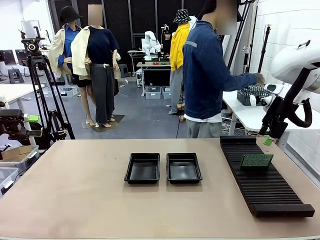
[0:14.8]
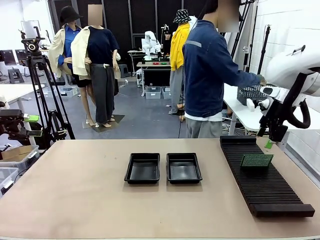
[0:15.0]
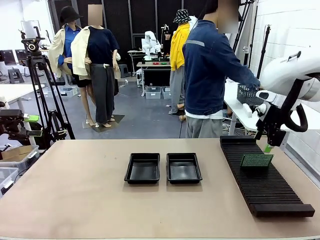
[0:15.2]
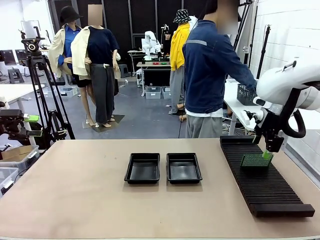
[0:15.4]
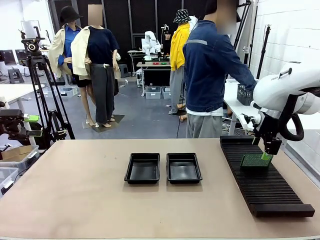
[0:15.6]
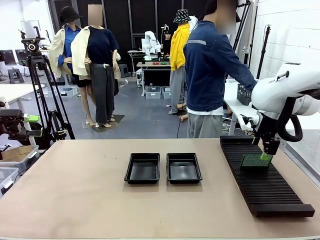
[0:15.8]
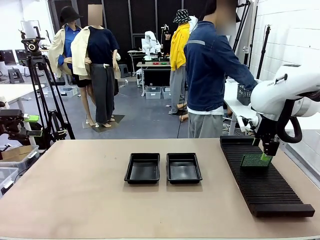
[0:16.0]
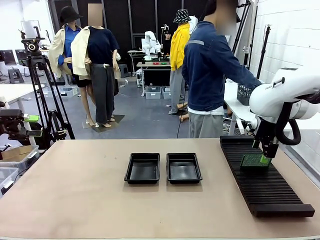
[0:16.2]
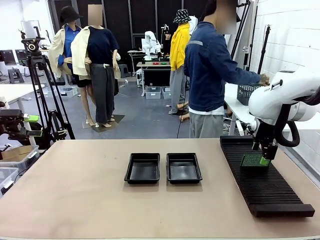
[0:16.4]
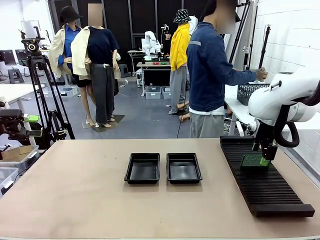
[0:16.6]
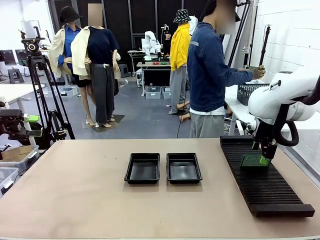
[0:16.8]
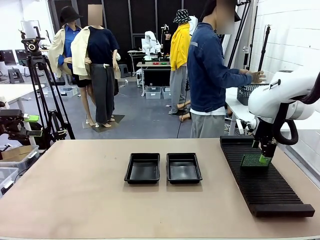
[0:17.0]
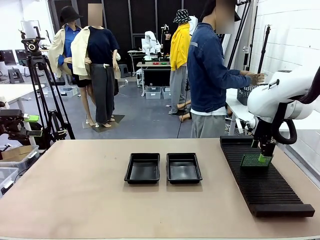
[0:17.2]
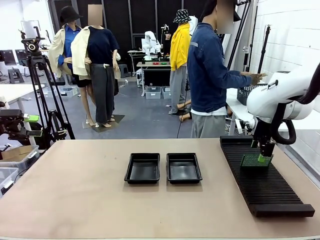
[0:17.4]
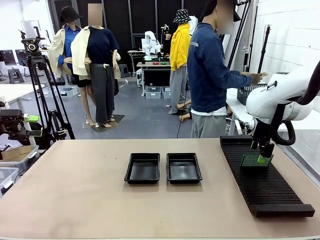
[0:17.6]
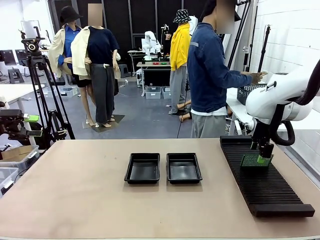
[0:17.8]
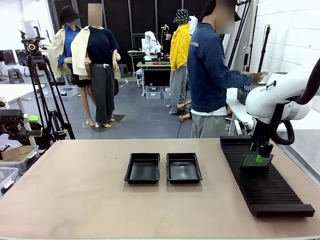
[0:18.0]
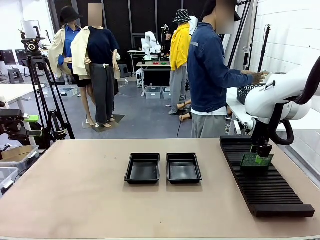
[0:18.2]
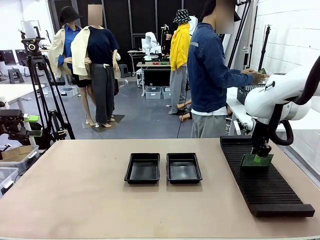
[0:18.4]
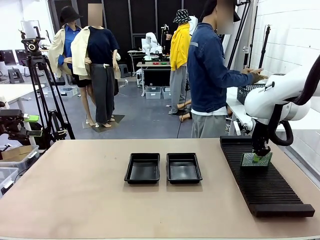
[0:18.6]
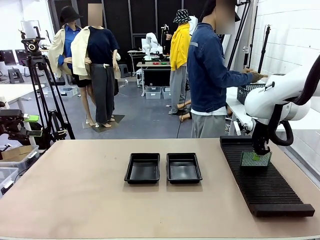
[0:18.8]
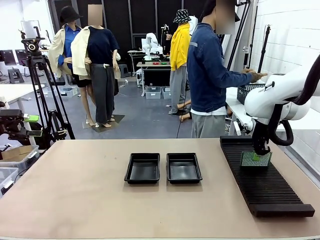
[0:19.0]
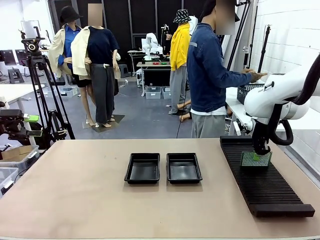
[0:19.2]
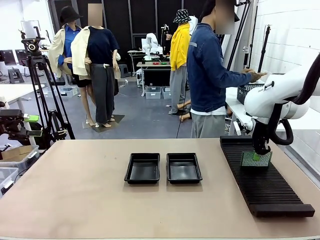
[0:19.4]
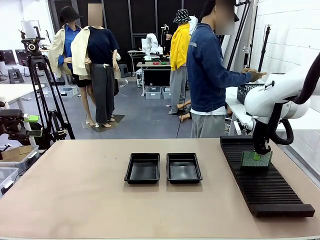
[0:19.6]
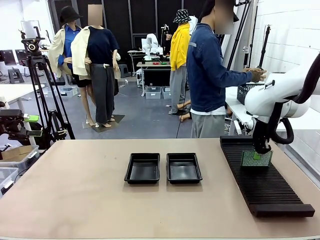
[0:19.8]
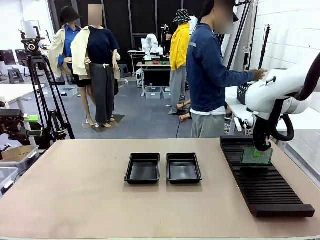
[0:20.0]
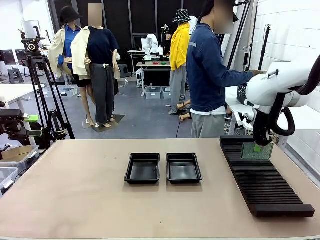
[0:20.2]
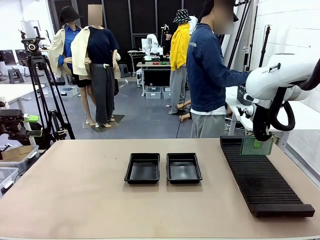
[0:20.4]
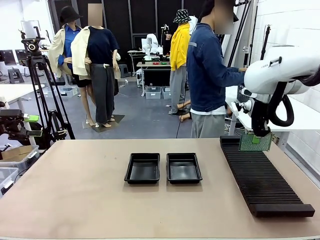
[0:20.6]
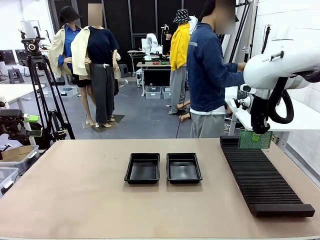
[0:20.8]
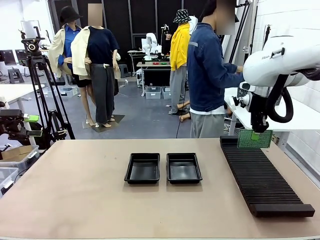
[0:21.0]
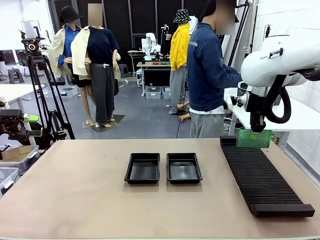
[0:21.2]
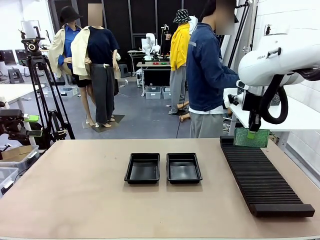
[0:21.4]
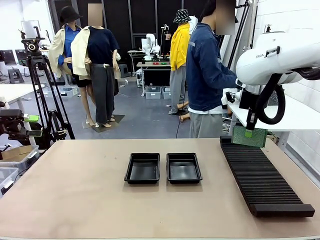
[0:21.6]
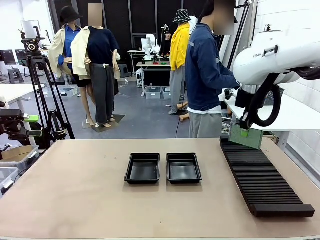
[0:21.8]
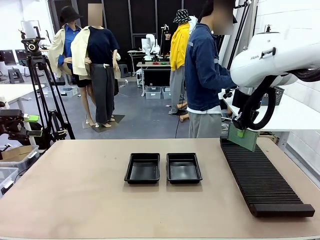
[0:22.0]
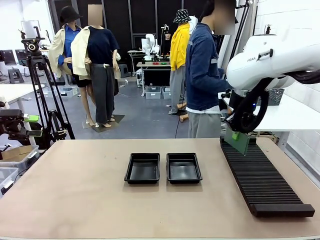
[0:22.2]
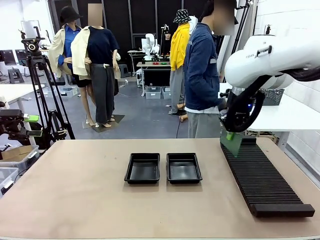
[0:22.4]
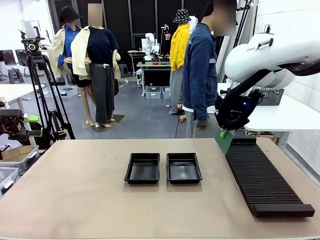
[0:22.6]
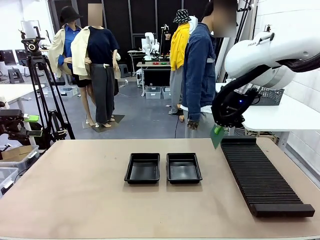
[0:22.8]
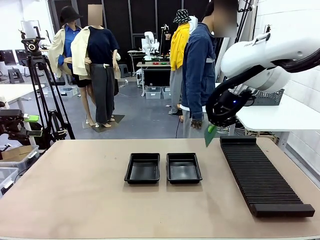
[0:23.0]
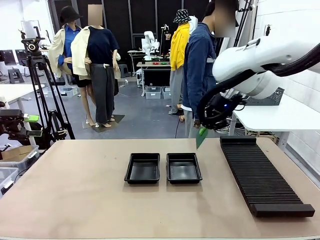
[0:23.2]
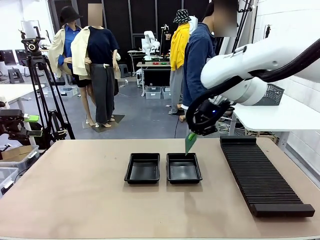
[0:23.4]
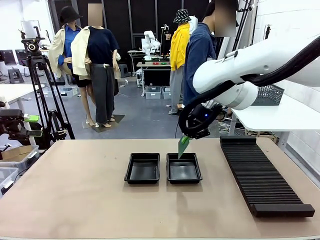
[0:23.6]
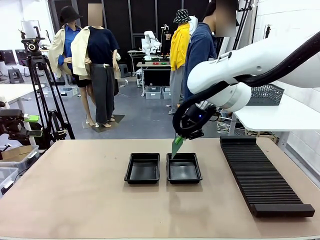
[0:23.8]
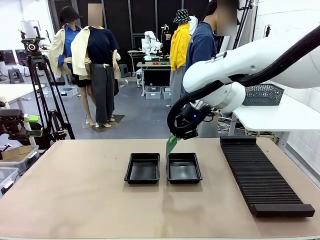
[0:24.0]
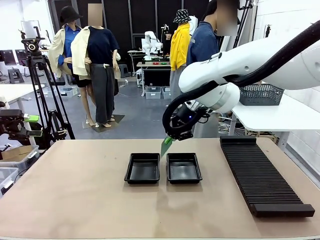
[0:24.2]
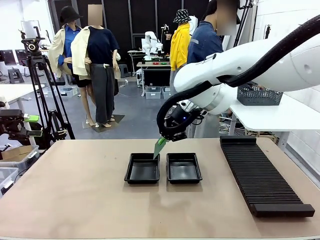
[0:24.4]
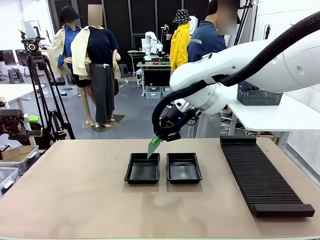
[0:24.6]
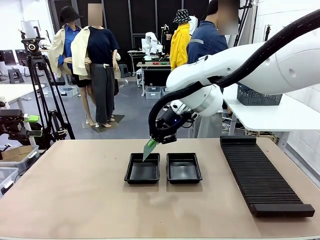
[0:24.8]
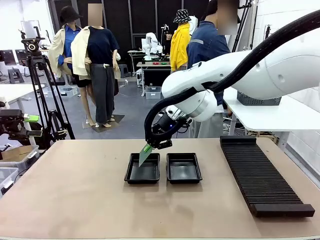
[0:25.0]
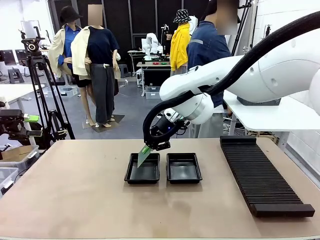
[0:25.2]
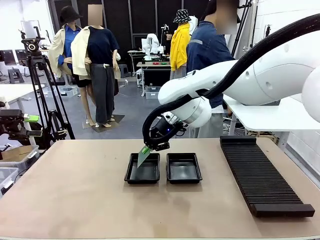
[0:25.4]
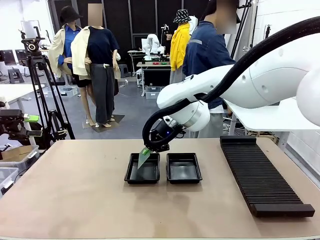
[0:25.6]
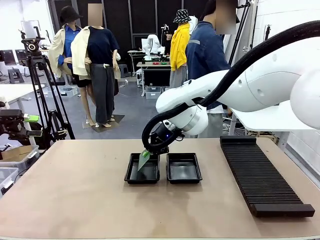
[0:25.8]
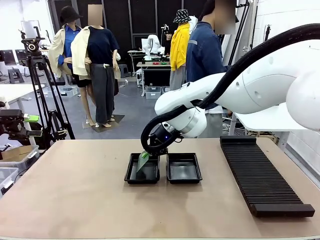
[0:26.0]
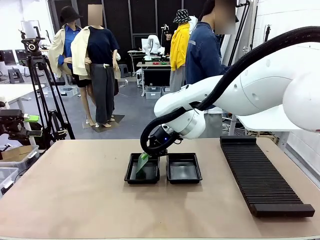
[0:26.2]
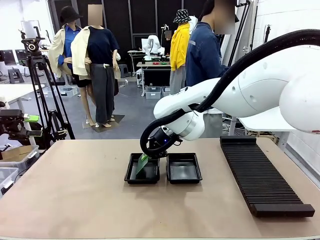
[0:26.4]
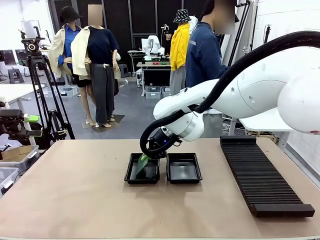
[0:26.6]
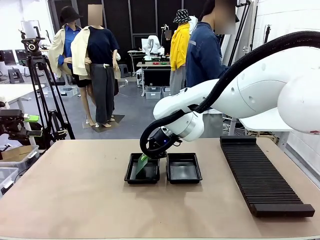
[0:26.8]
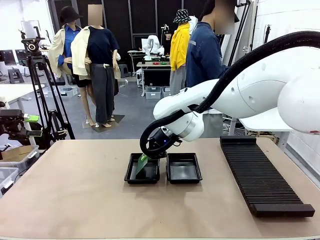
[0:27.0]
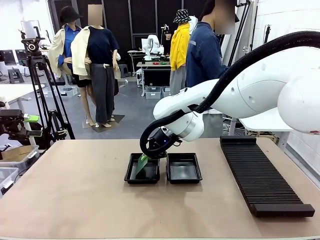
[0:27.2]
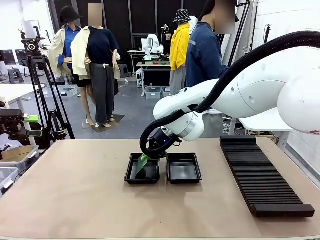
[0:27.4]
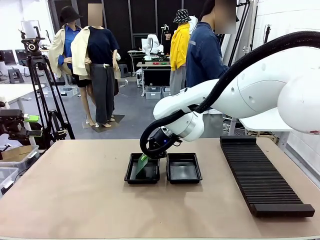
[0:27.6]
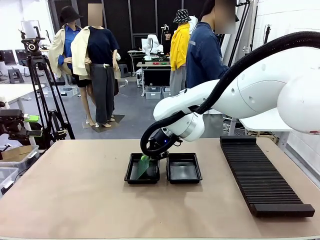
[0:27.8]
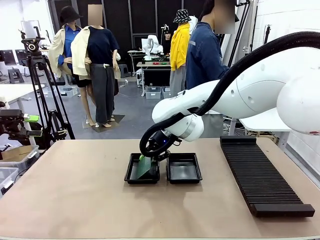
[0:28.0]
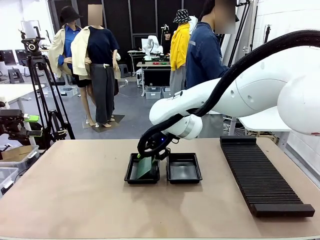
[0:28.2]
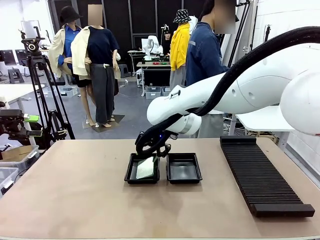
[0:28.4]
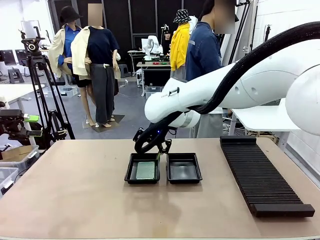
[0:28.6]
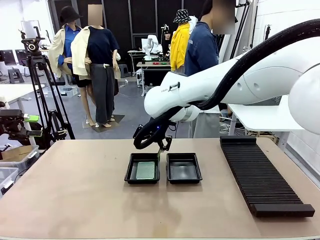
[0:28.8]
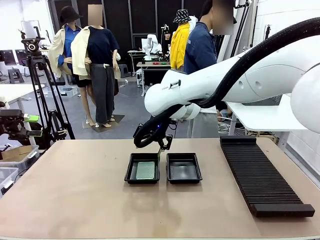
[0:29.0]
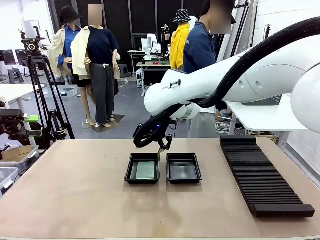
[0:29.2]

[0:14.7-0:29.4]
Task: Inspect and transfer BCBs to ESD trays.
Robot: Pick up the Blank PCB from the PCB Rack and place it in the left ESD tray.

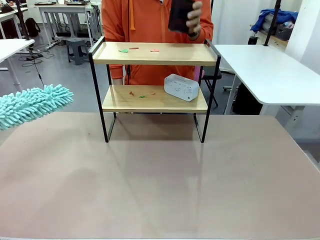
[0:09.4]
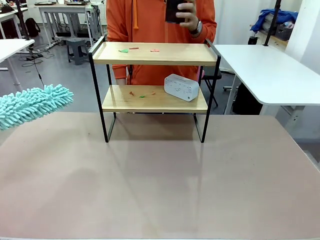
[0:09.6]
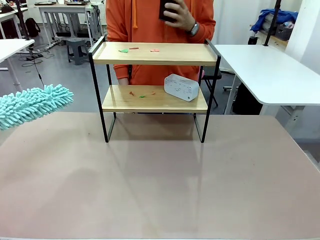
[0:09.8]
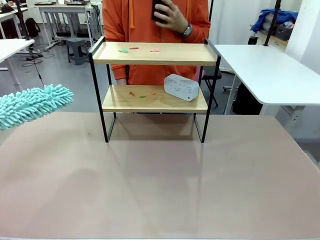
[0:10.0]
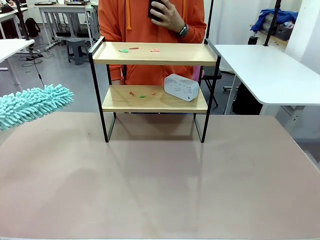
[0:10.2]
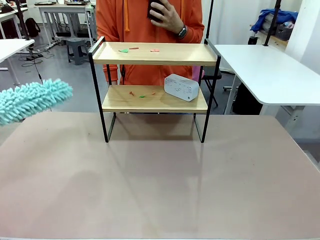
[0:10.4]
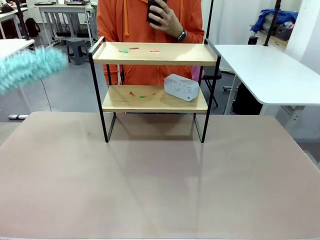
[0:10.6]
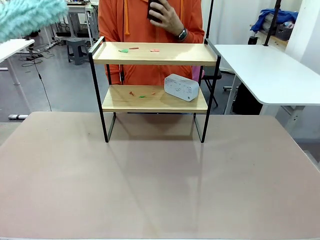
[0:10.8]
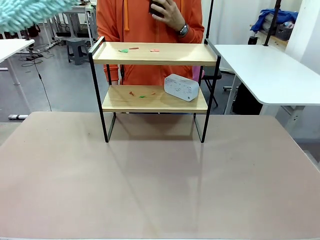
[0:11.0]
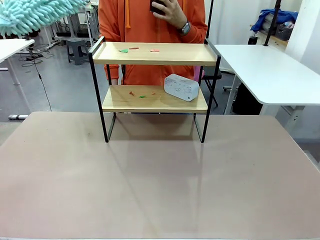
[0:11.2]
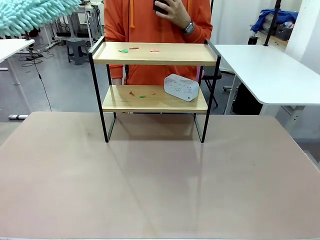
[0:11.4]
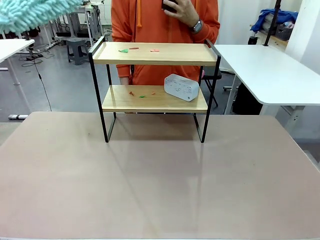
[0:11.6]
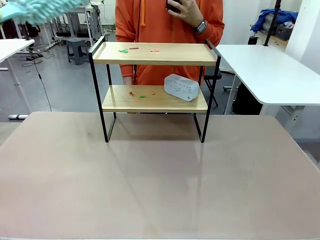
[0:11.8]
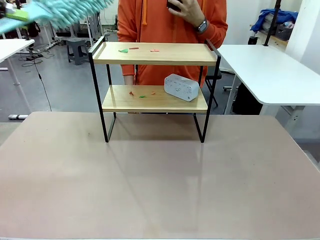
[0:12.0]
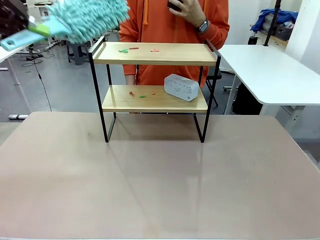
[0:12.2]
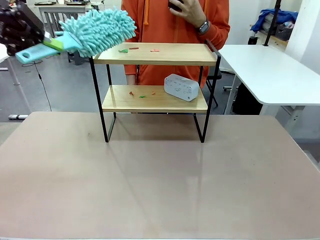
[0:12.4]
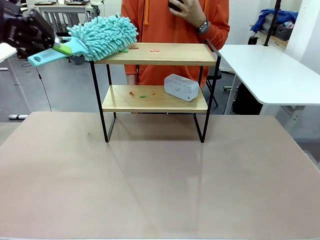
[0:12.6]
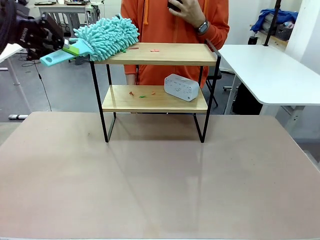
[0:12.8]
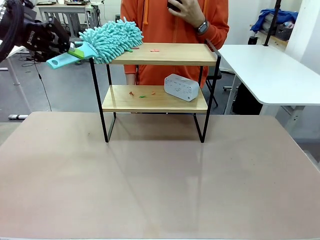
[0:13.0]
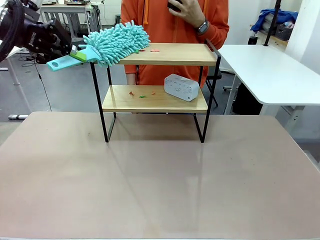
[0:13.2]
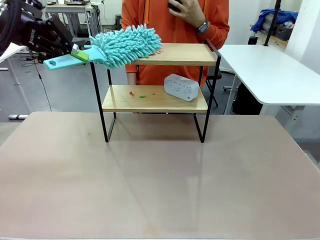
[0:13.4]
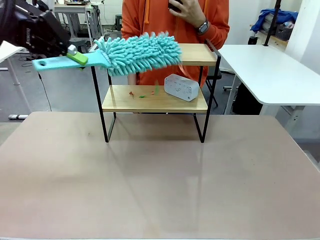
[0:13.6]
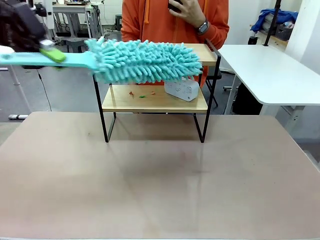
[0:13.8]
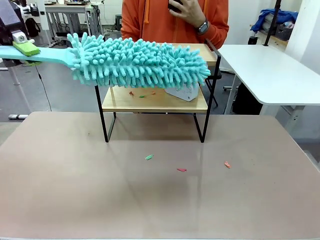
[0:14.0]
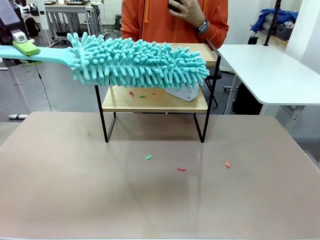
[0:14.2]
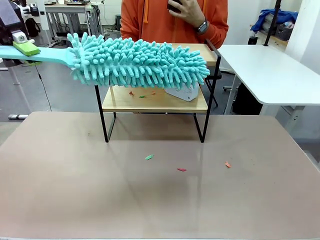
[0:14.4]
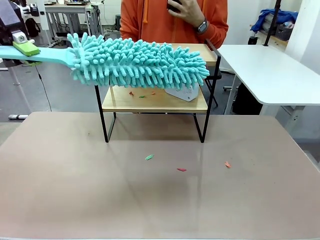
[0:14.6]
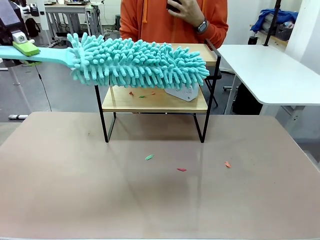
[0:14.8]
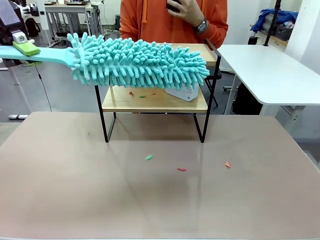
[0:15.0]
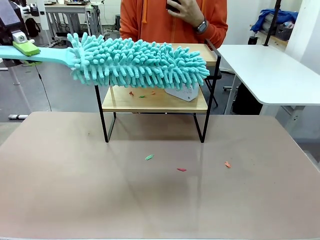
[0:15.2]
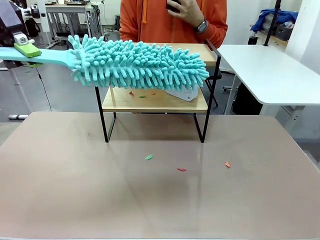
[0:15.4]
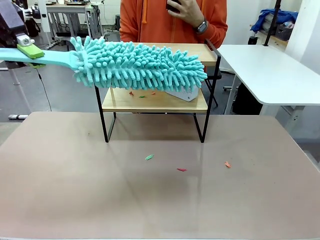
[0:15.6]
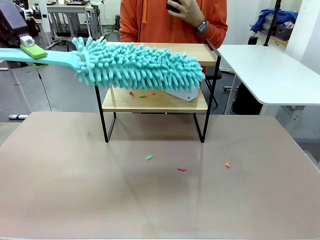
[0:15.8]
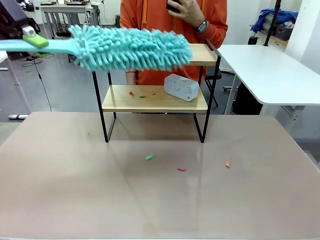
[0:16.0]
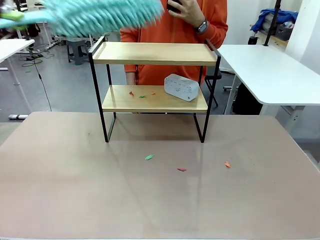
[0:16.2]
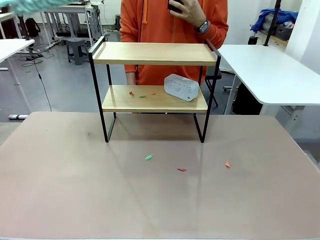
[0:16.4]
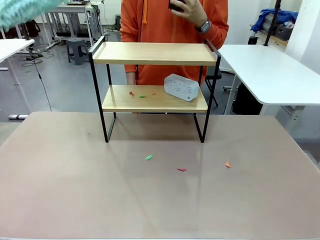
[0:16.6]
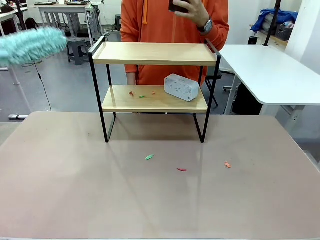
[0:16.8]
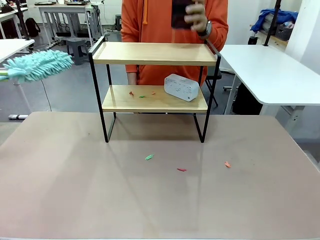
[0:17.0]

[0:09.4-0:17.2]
Task: Clean the shelf.
Robot: Clean the specific tier of the Shelf with the Duster once objects are removed.
Person: Once the robot finishes cleaning, lift the objects on the remaining tiers of the Shelf.
